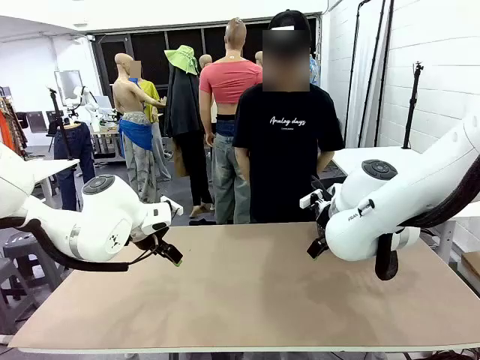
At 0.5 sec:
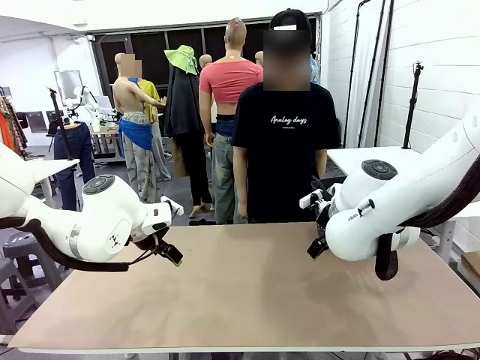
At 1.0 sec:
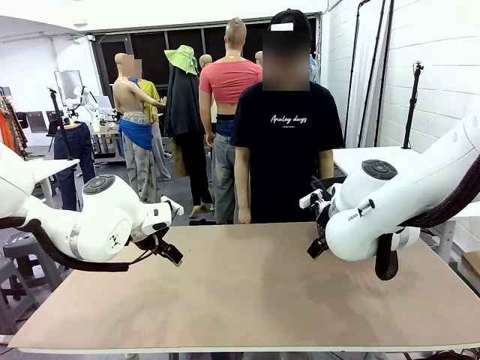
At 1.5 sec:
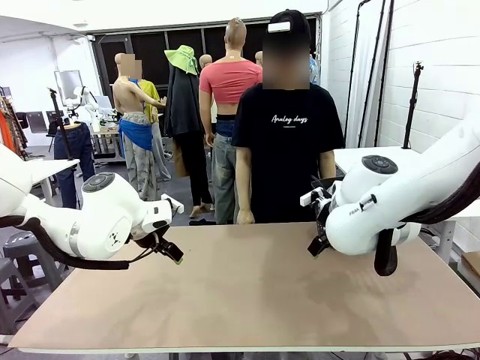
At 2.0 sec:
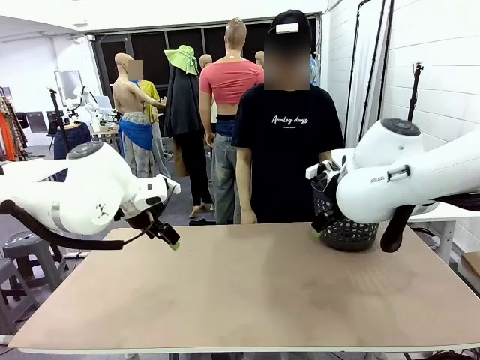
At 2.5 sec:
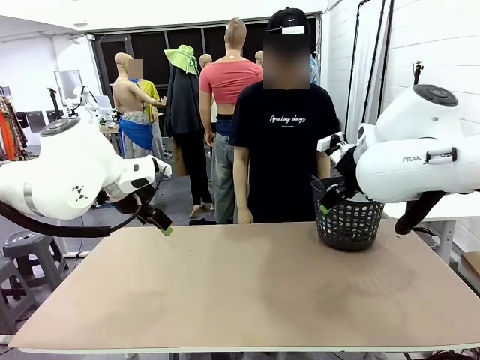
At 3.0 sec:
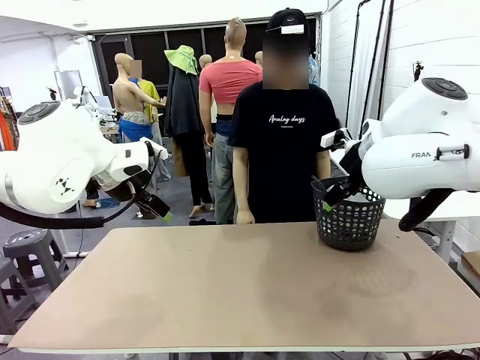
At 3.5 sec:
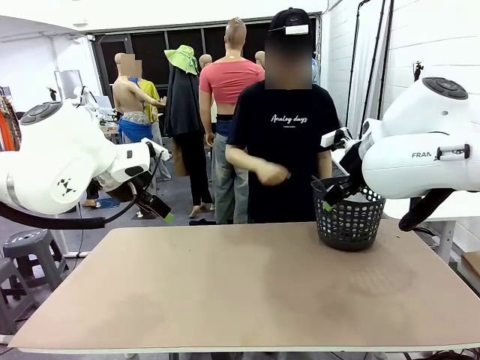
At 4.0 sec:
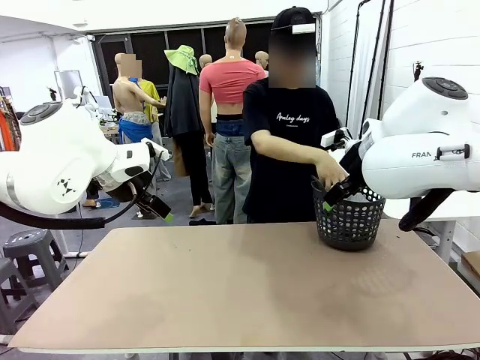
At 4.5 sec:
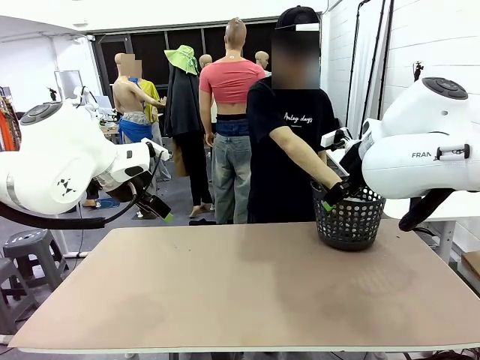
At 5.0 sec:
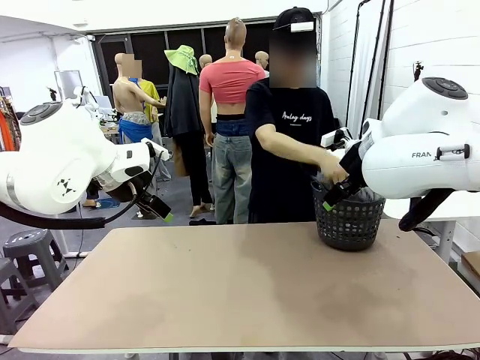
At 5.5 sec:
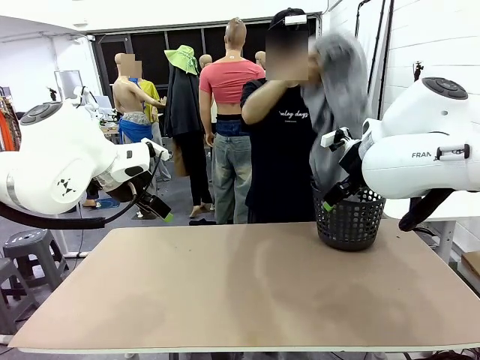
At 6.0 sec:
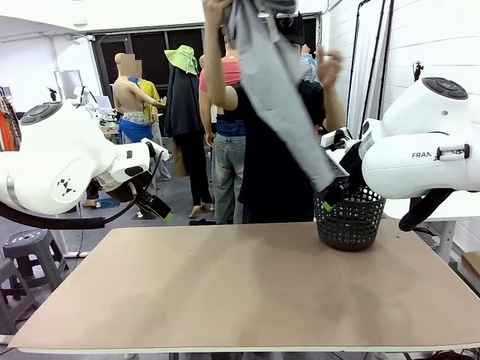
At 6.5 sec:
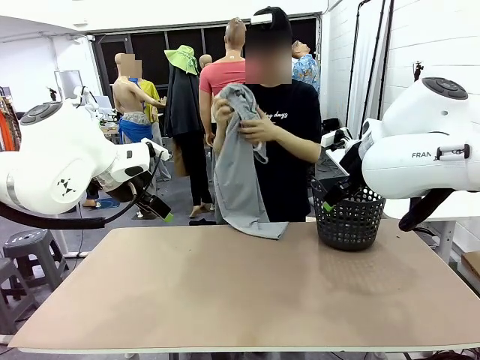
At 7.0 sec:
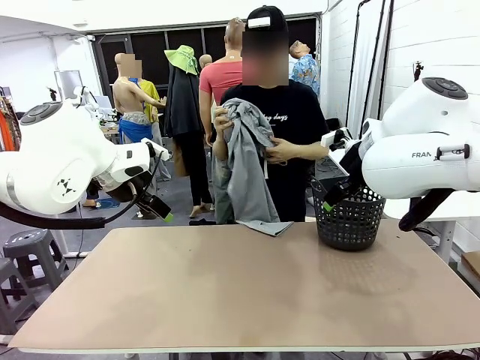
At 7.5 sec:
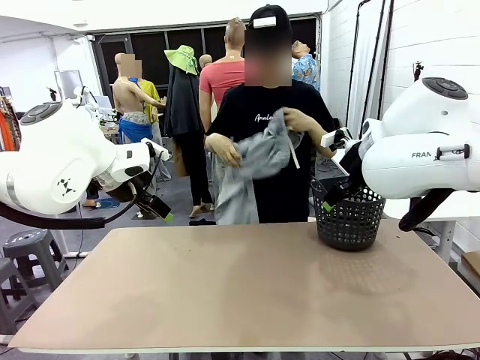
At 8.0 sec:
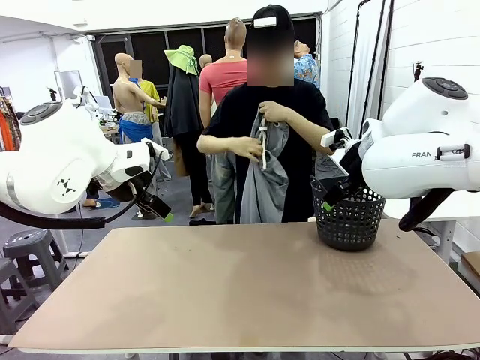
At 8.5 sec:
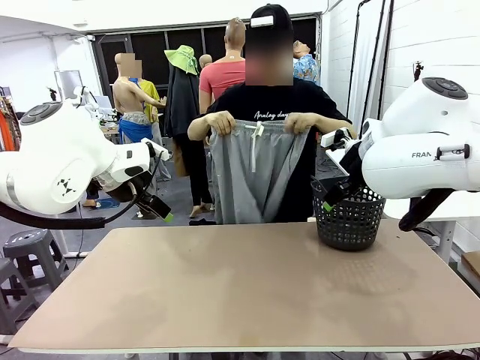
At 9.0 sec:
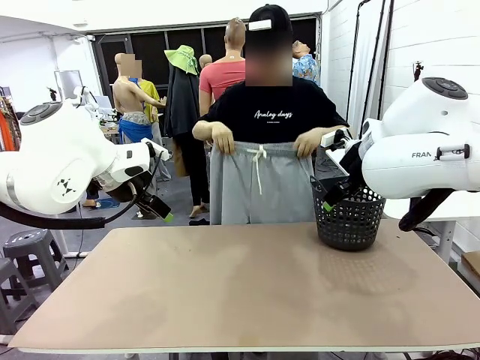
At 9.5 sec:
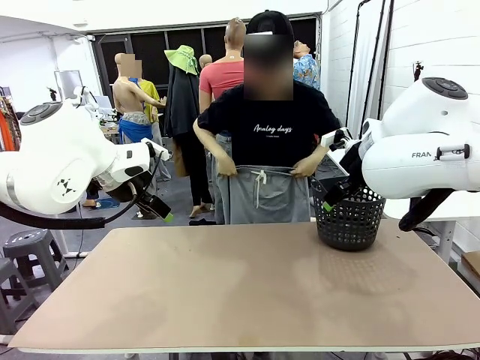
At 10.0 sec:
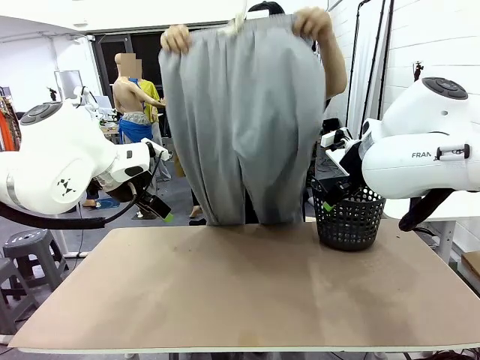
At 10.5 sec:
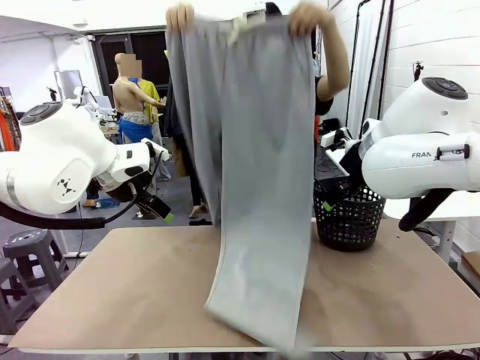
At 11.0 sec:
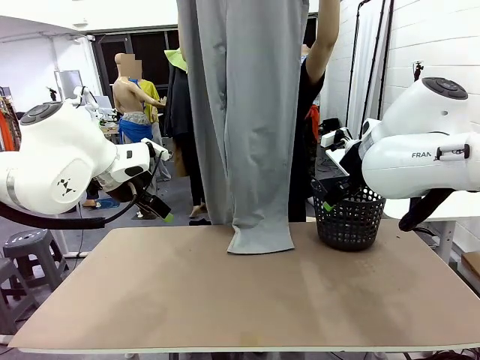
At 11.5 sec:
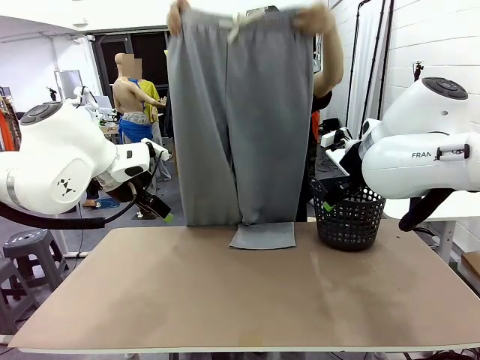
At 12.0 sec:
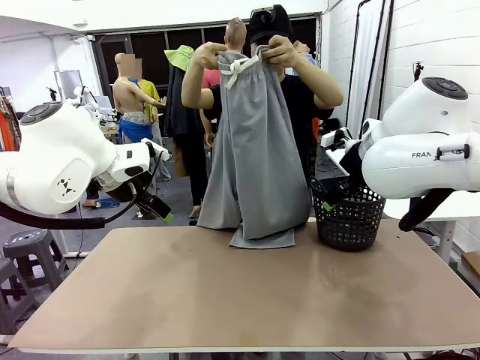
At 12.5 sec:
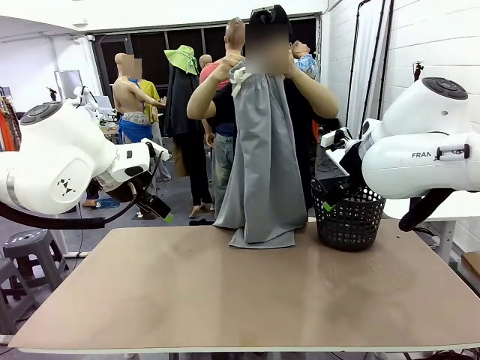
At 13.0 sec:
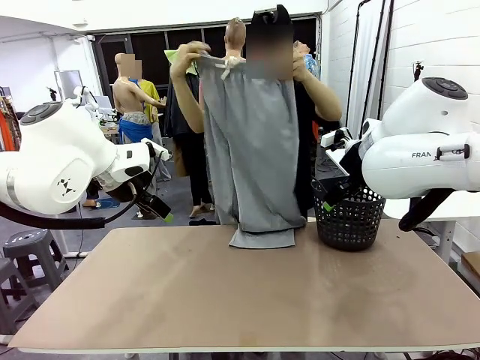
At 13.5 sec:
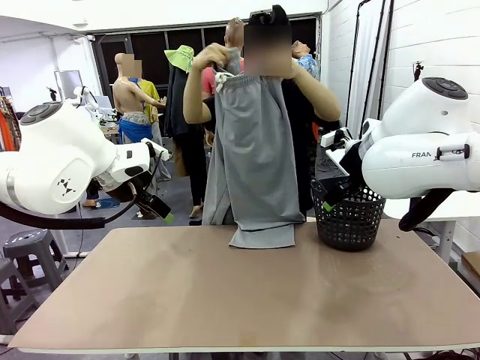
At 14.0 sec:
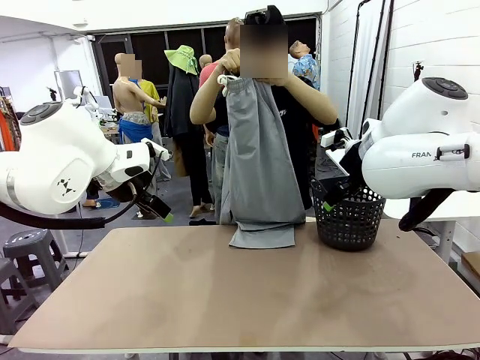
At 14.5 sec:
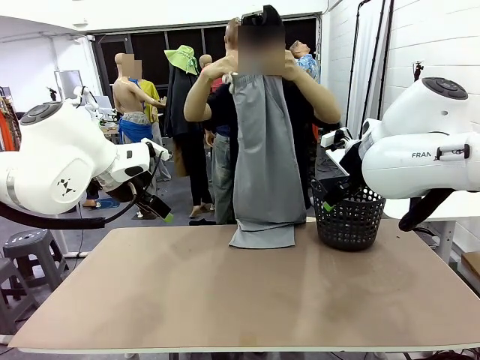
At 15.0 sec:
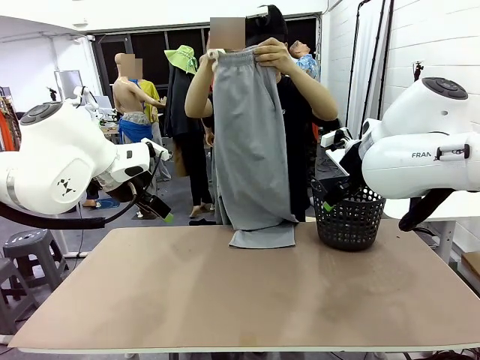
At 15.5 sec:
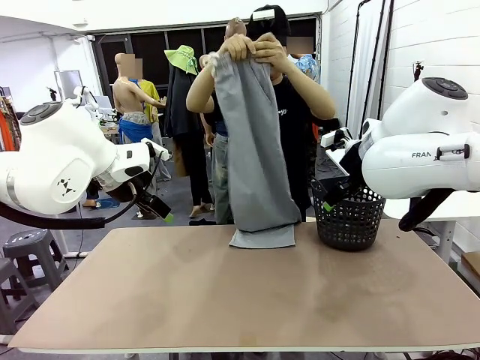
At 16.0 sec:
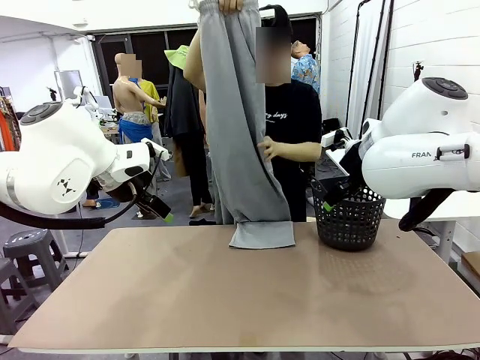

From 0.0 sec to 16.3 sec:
Task: Fold the training pants.
Robot: Grab both ends of the Training pants handed by a person.
Person: Take the long pants out of the laundry basket, unfold them, fold the waist in half, and extend them so the robot can pick up both corners.
